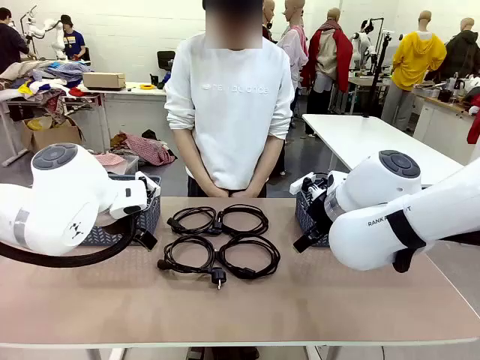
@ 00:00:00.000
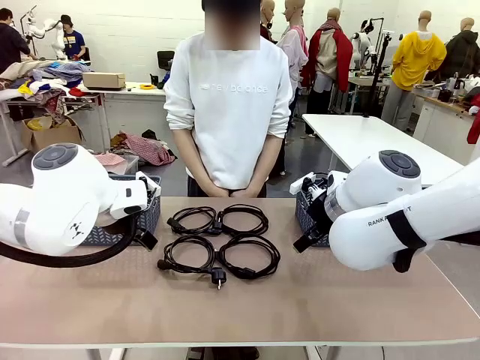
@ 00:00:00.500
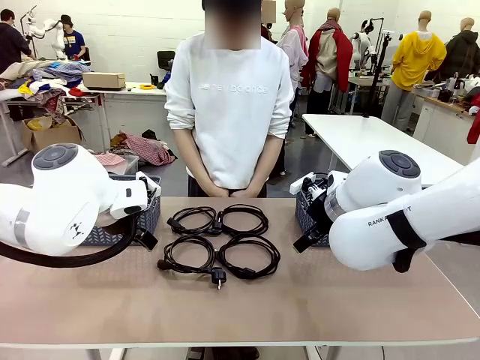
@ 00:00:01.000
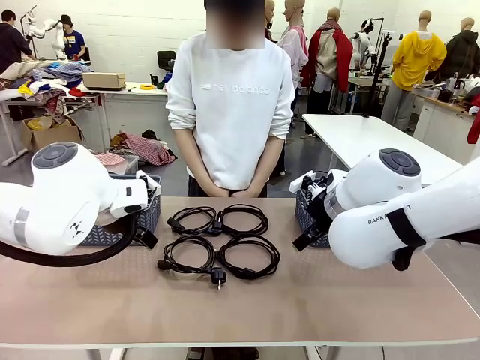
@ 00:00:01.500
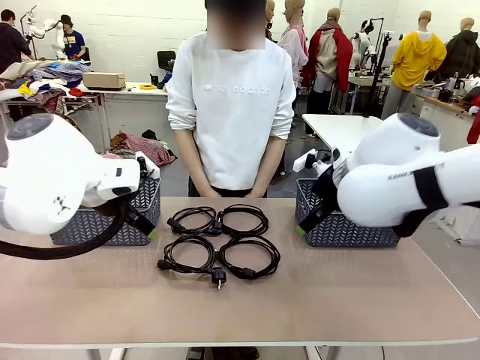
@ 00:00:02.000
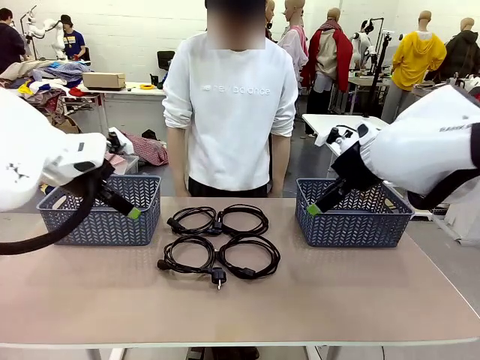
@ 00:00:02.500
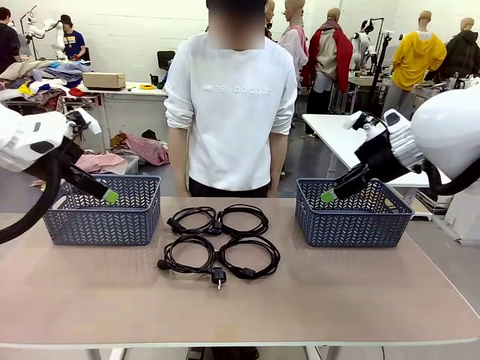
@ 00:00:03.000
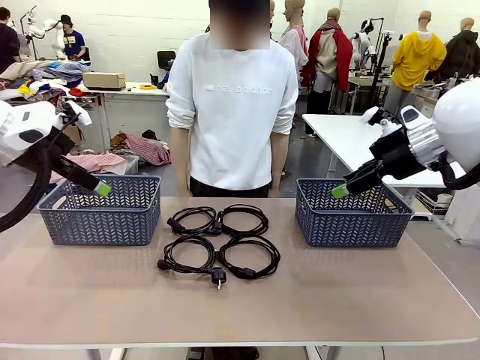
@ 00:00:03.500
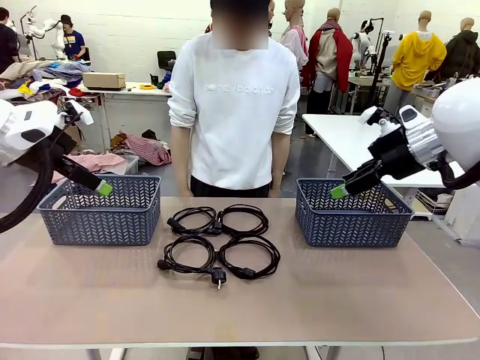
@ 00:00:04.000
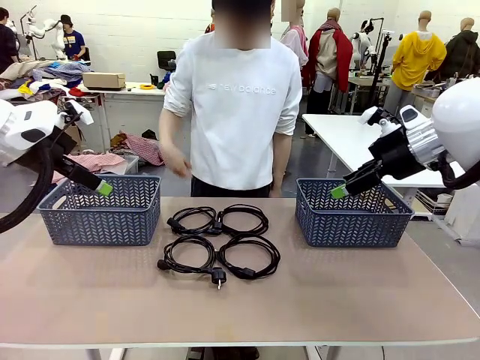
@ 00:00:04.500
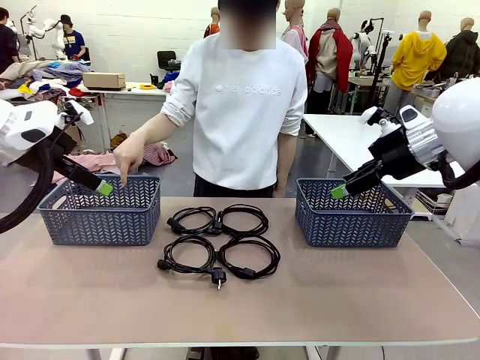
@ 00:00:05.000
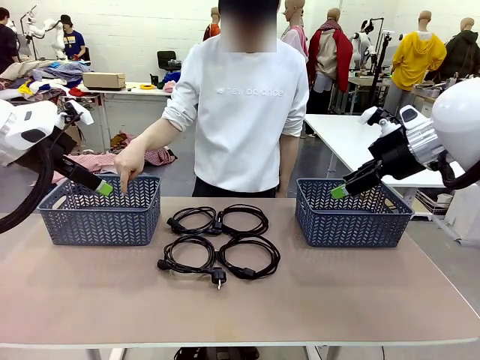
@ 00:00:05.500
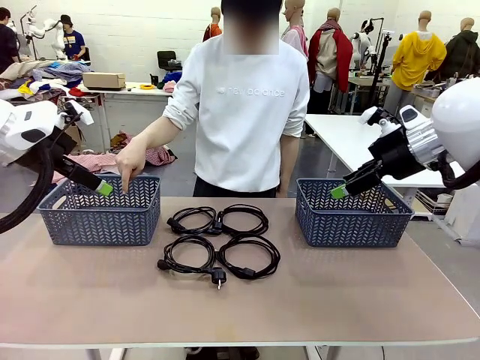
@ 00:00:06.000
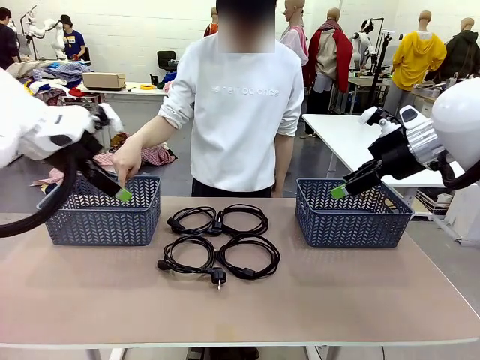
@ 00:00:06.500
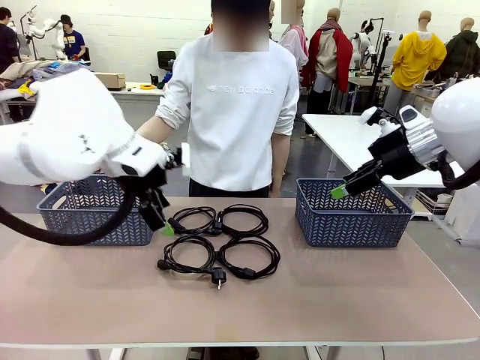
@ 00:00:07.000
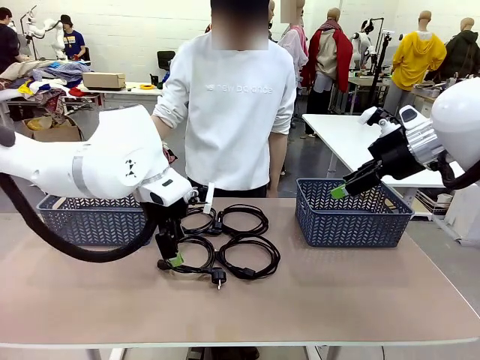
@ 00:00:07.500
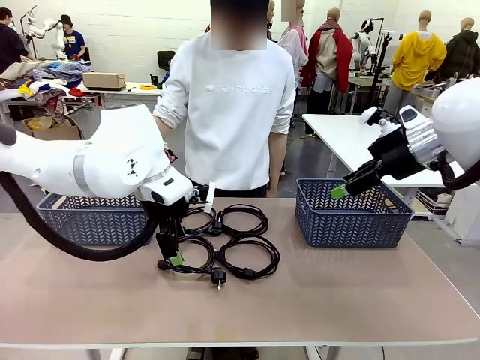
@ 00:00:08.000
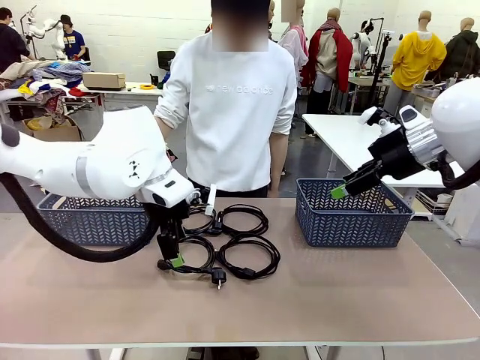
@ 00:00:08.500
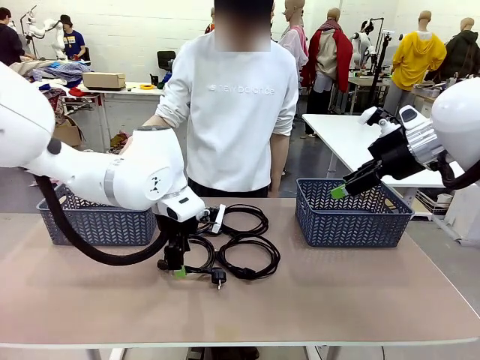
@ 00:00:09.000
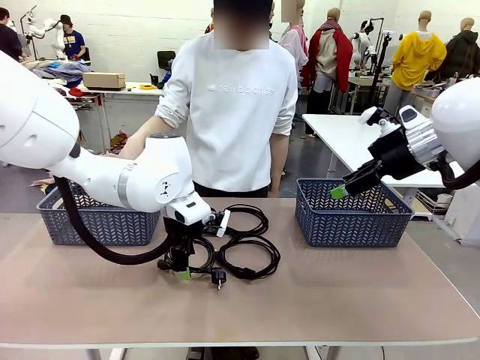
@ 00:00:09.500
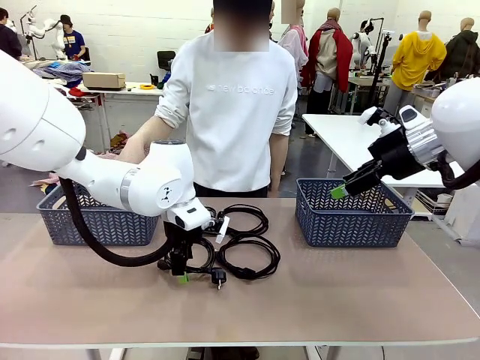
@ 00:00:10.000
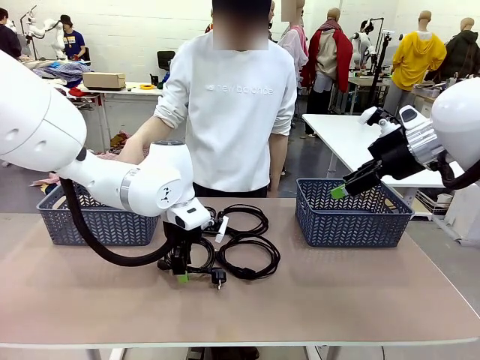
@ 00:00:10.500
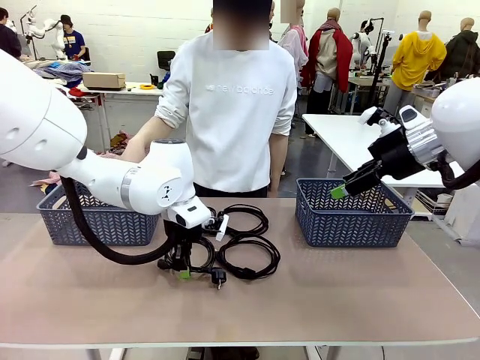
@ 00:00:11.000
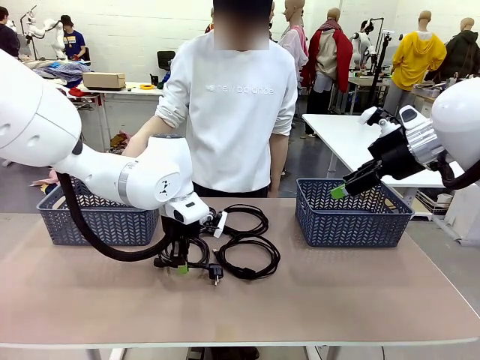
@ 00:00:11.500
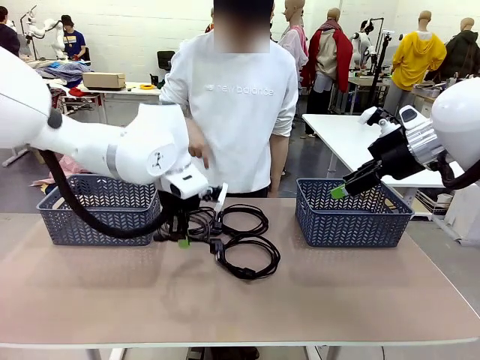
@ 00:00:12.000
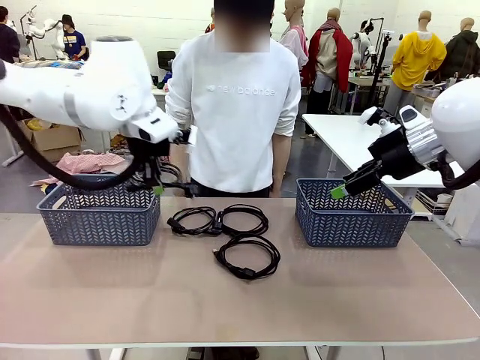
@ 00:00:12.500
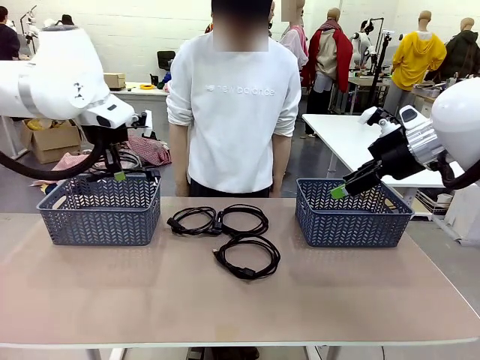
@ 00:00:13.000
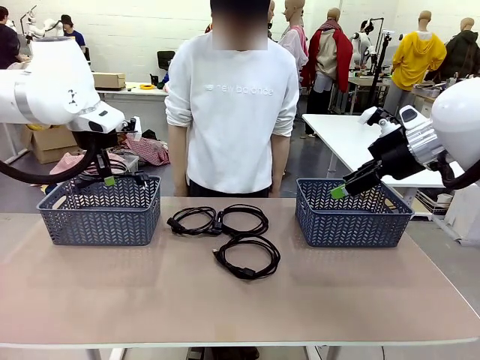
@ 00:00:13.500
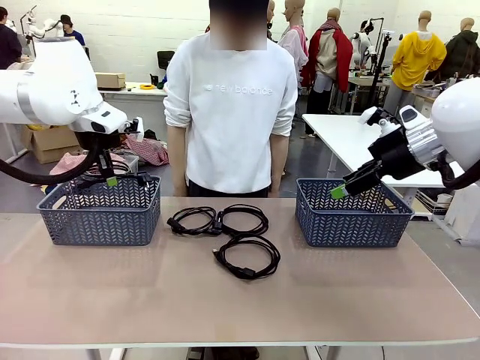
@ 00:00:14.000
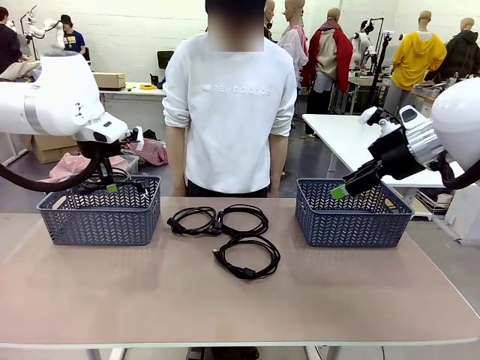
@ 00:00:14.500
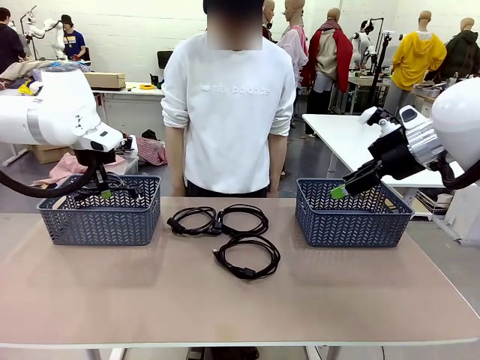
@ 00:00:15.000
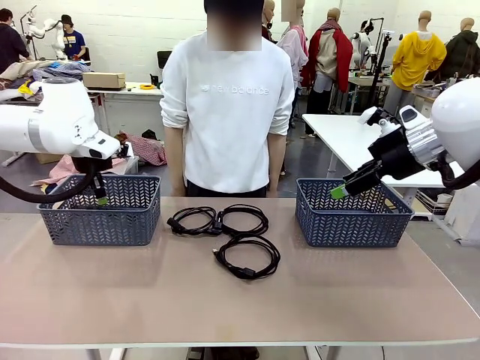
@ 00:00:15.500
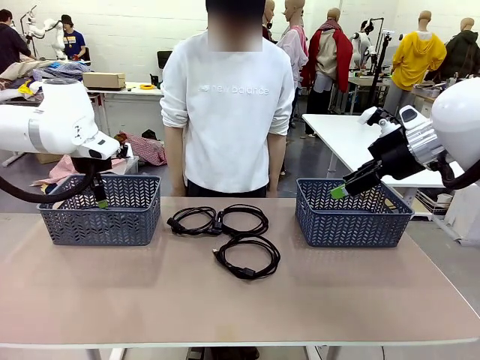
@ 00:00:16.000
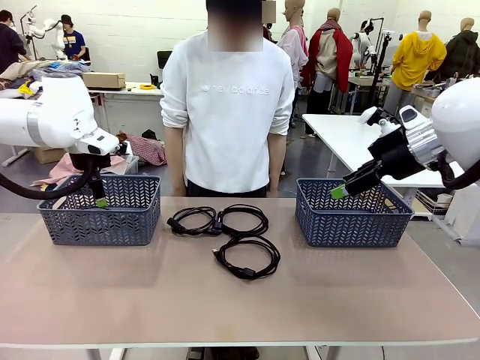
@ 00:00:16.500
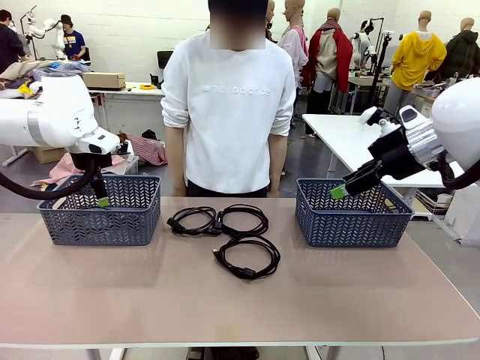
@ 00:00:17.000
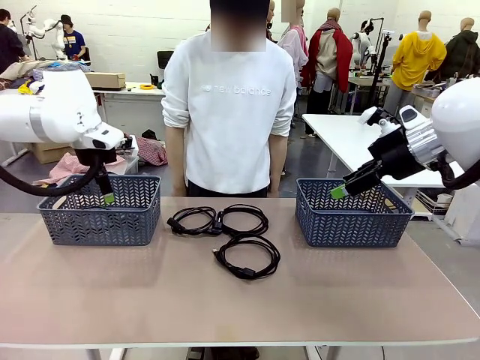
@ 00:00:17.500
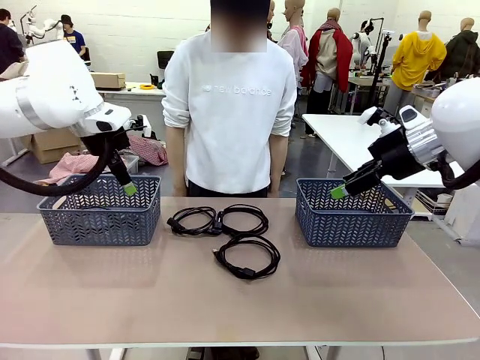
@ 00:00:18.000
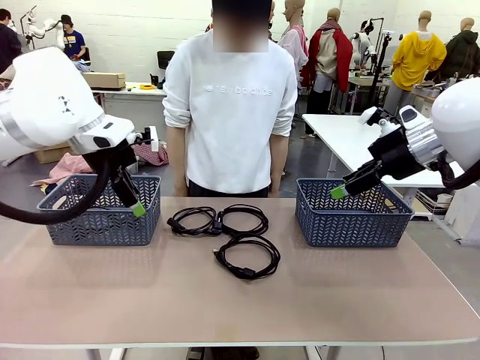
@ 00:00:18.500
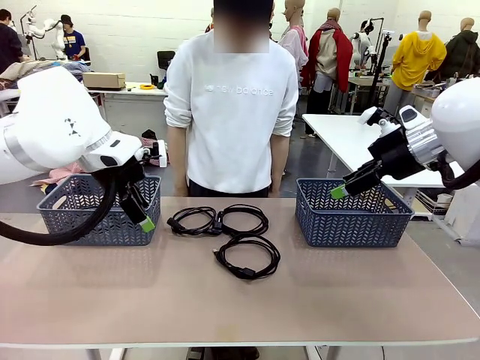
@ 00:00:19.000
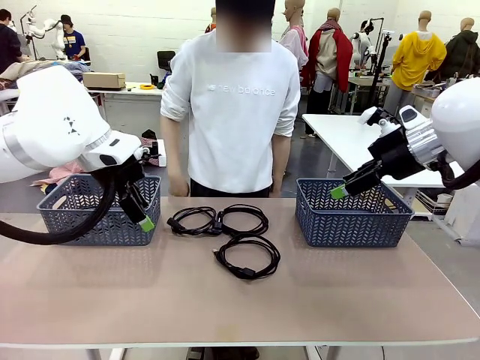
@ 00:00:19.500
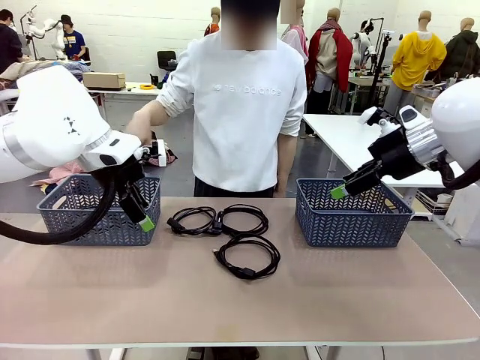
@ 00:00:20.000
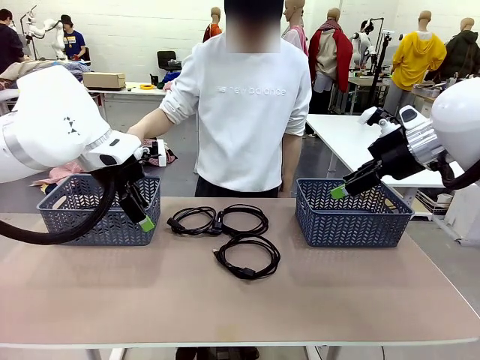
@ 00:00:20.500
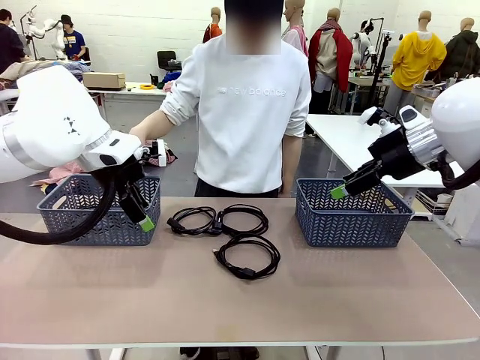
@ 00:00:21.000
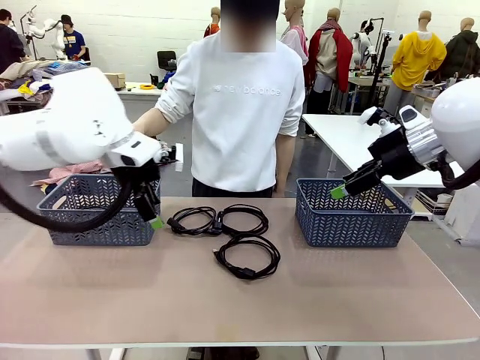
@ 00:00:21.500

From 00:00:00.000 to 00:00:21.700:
Task: Organize the cables according to human instructions.
Robot: Pick up a bundle of cables and place it in the basket indicated by the human.
